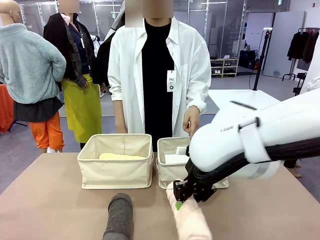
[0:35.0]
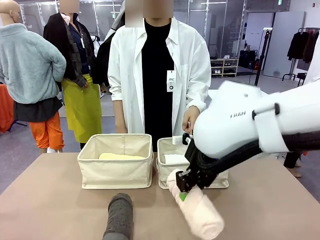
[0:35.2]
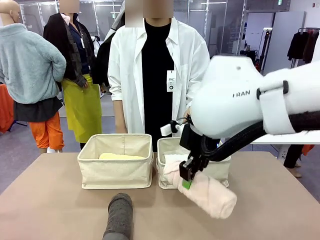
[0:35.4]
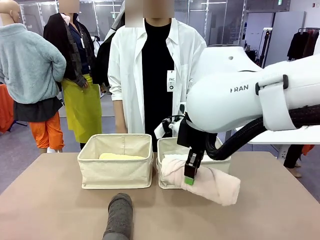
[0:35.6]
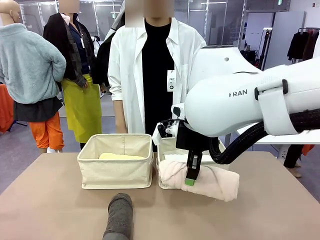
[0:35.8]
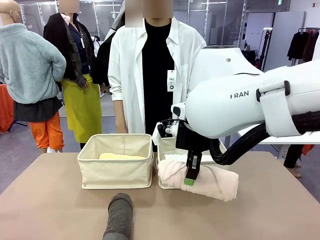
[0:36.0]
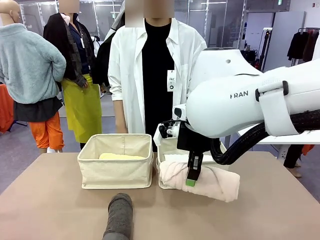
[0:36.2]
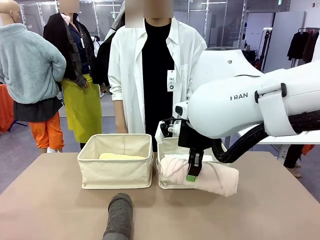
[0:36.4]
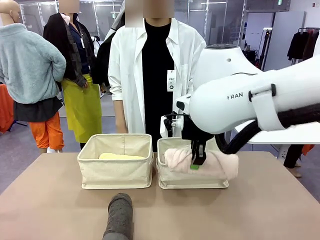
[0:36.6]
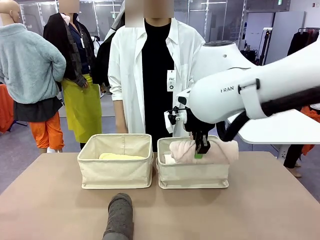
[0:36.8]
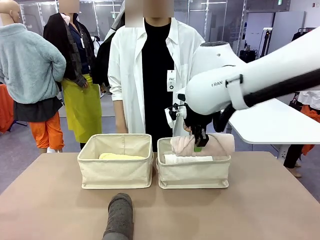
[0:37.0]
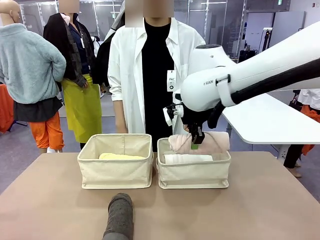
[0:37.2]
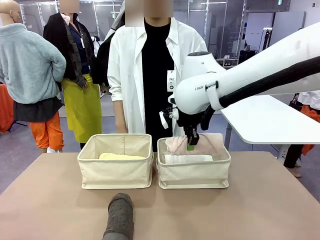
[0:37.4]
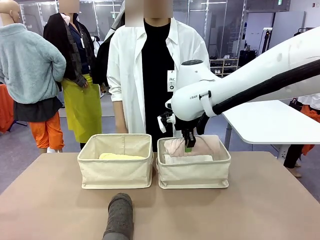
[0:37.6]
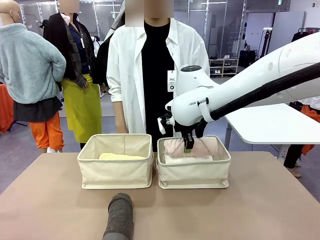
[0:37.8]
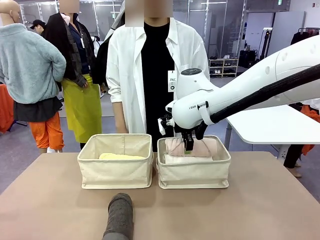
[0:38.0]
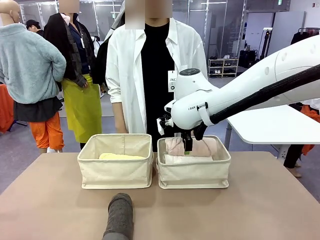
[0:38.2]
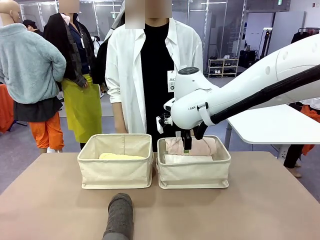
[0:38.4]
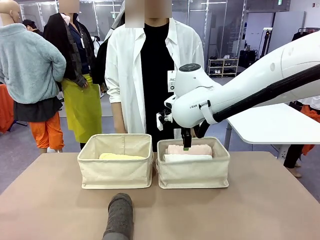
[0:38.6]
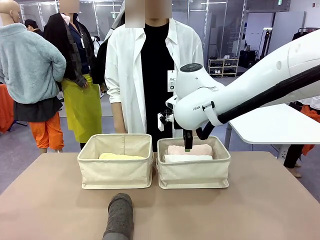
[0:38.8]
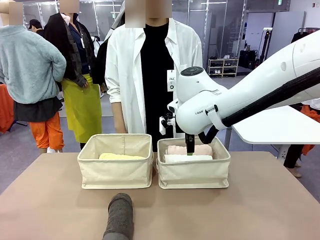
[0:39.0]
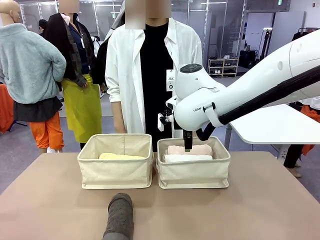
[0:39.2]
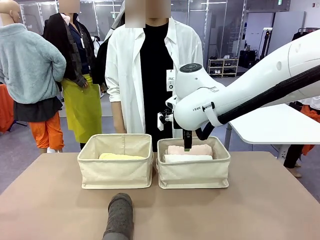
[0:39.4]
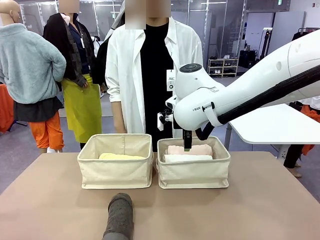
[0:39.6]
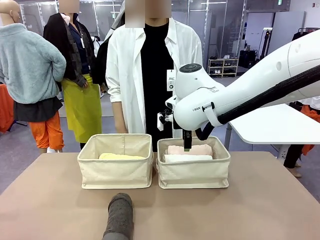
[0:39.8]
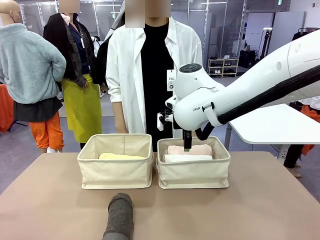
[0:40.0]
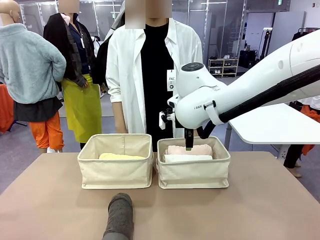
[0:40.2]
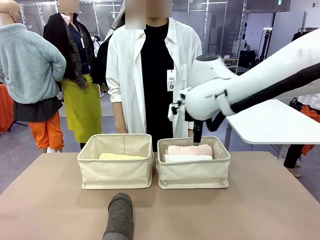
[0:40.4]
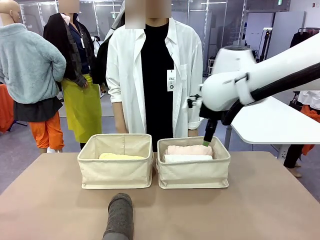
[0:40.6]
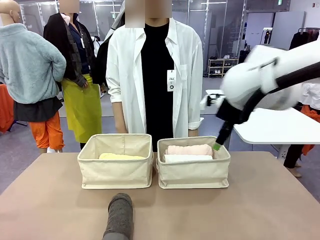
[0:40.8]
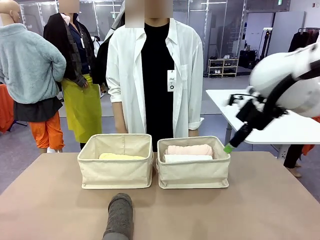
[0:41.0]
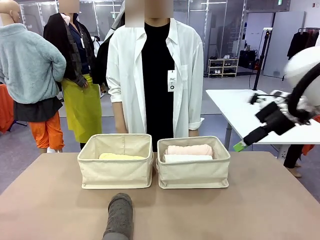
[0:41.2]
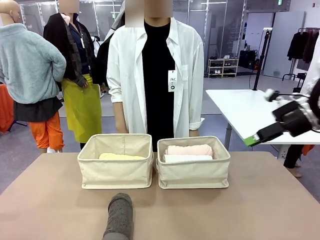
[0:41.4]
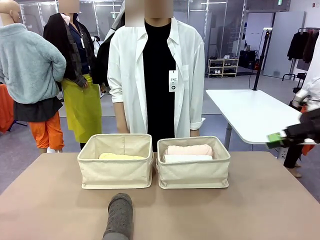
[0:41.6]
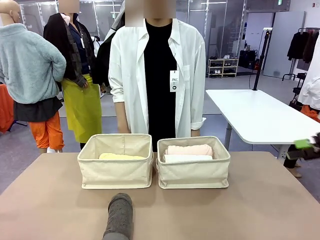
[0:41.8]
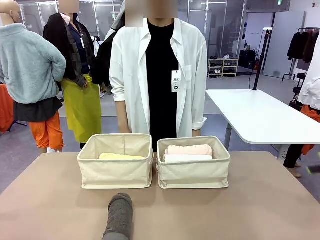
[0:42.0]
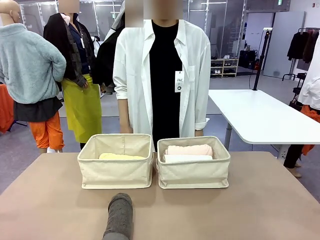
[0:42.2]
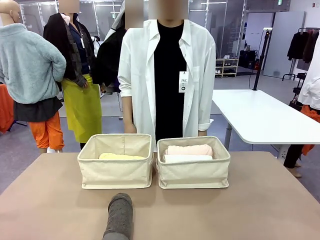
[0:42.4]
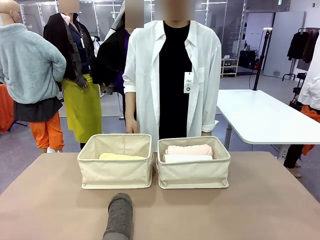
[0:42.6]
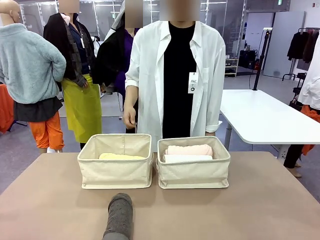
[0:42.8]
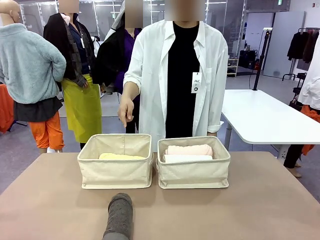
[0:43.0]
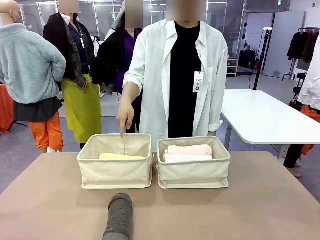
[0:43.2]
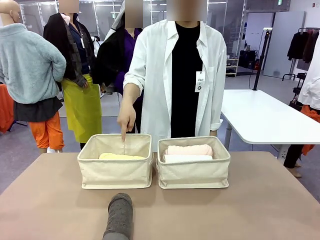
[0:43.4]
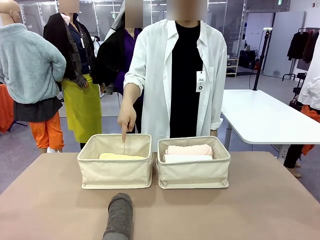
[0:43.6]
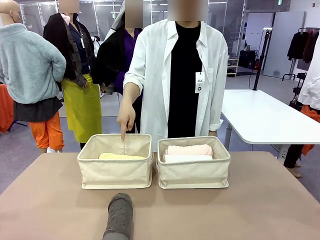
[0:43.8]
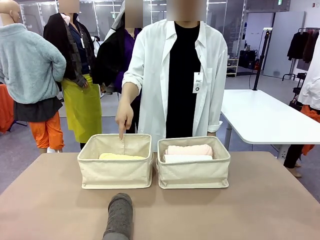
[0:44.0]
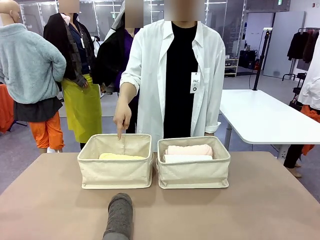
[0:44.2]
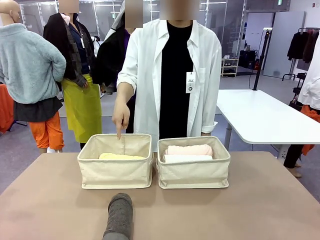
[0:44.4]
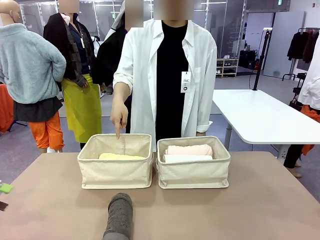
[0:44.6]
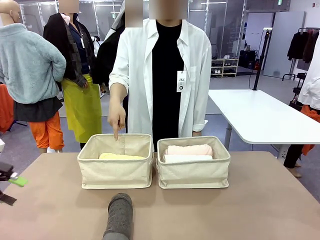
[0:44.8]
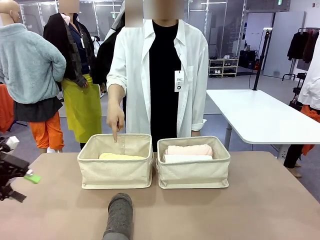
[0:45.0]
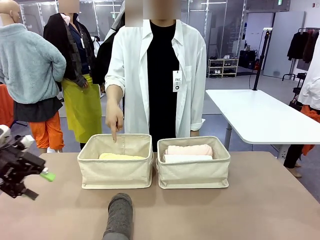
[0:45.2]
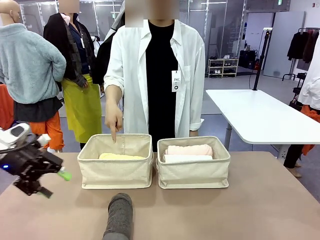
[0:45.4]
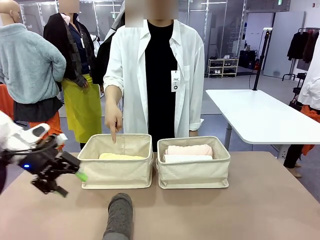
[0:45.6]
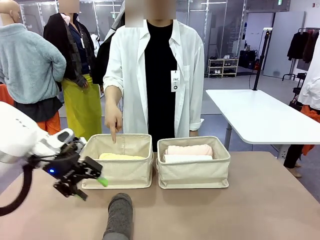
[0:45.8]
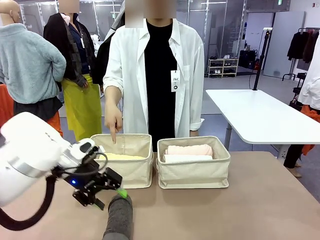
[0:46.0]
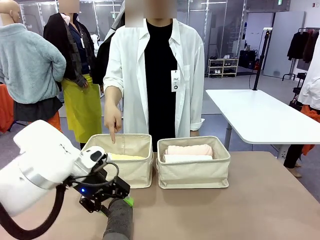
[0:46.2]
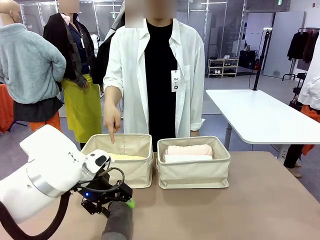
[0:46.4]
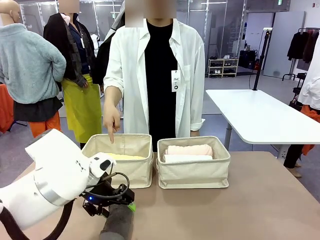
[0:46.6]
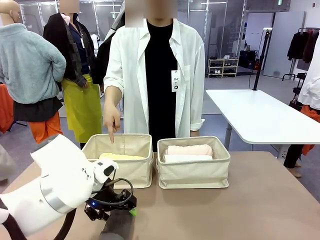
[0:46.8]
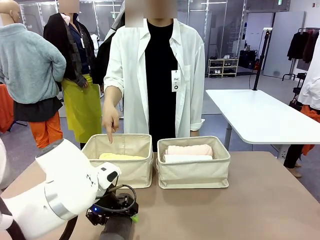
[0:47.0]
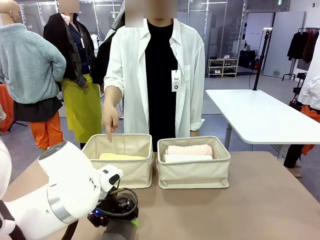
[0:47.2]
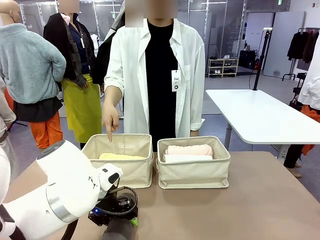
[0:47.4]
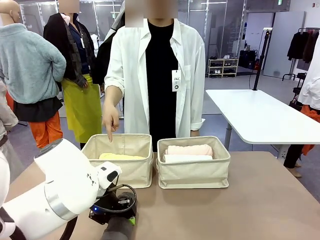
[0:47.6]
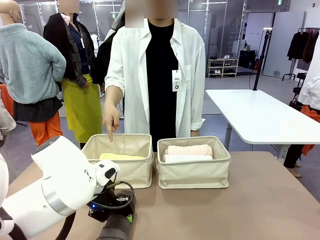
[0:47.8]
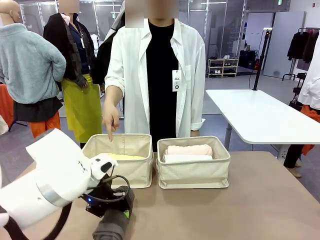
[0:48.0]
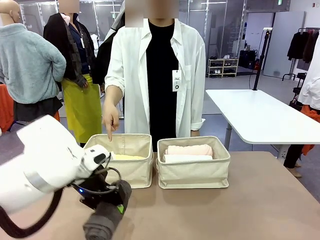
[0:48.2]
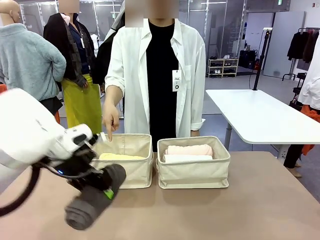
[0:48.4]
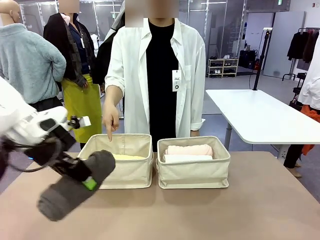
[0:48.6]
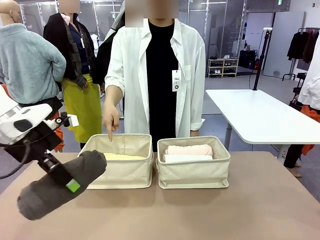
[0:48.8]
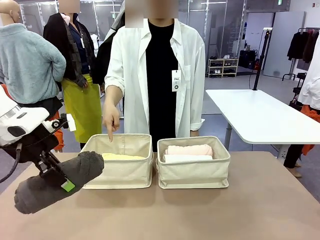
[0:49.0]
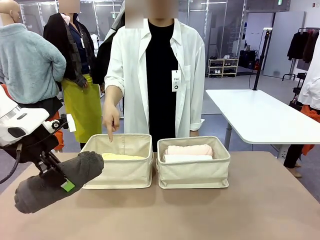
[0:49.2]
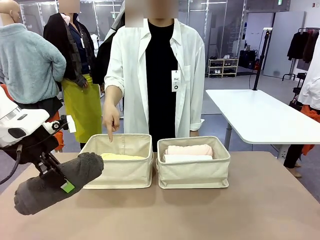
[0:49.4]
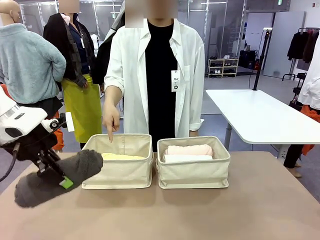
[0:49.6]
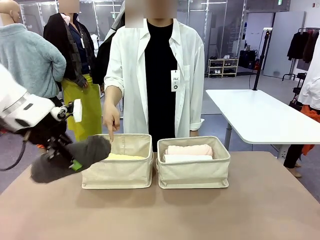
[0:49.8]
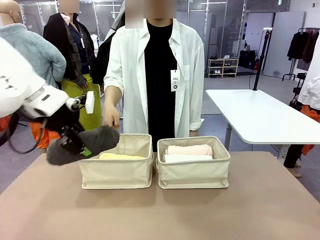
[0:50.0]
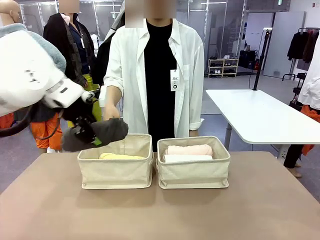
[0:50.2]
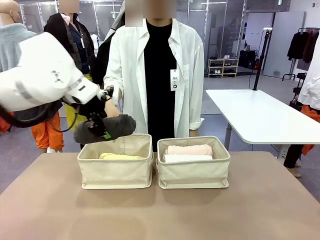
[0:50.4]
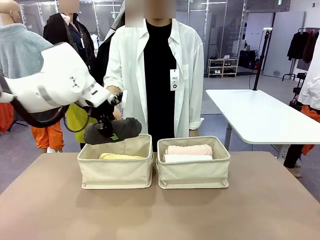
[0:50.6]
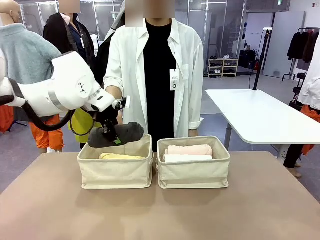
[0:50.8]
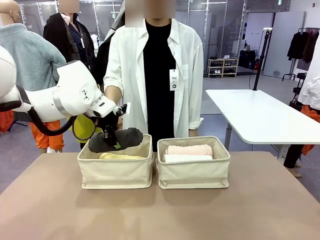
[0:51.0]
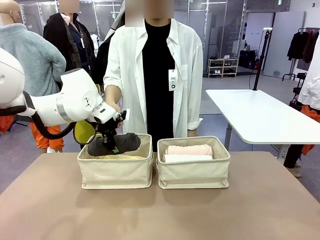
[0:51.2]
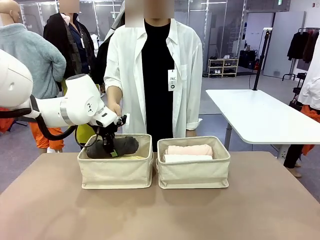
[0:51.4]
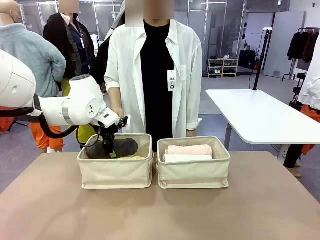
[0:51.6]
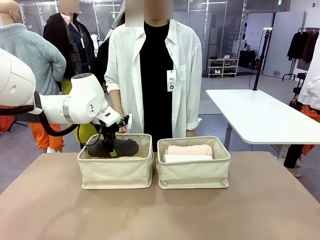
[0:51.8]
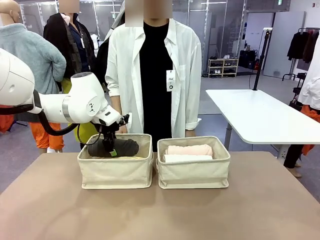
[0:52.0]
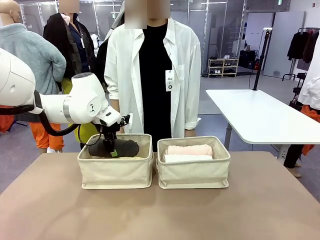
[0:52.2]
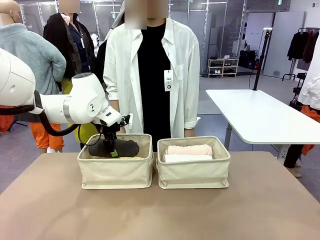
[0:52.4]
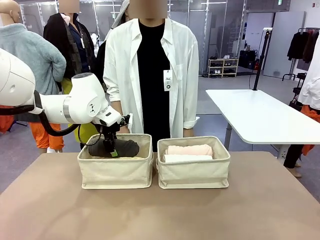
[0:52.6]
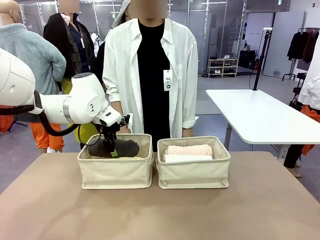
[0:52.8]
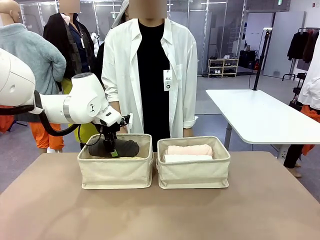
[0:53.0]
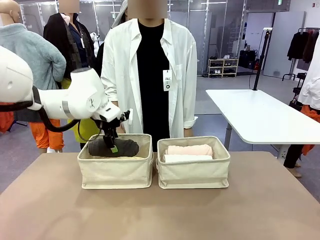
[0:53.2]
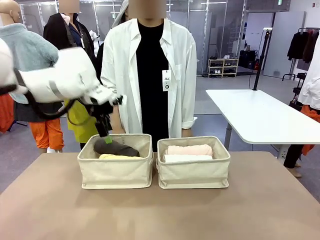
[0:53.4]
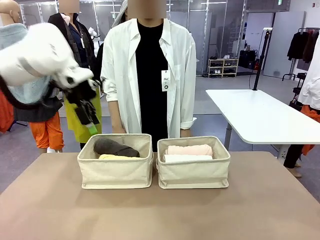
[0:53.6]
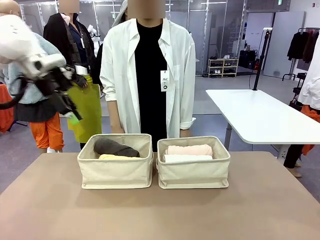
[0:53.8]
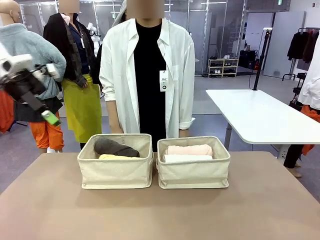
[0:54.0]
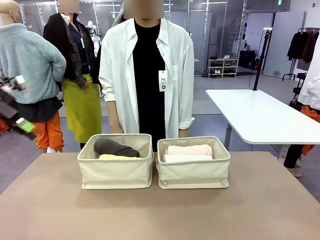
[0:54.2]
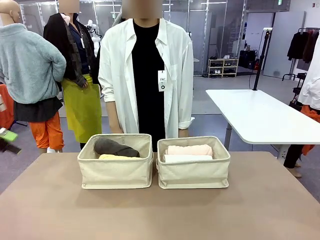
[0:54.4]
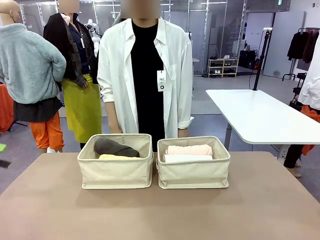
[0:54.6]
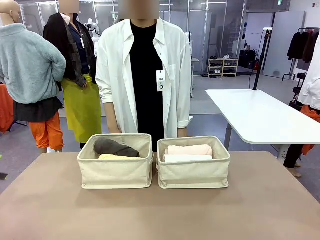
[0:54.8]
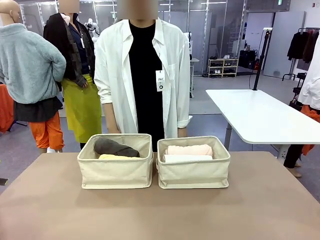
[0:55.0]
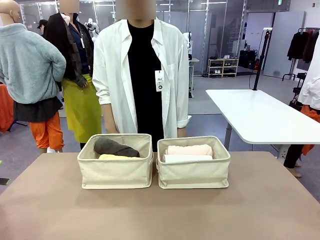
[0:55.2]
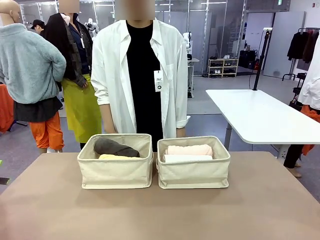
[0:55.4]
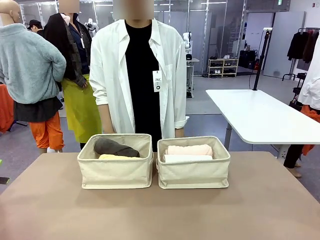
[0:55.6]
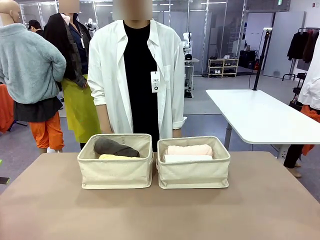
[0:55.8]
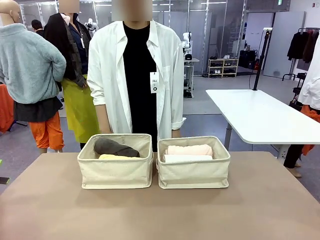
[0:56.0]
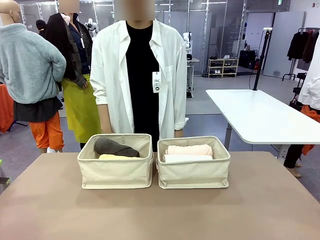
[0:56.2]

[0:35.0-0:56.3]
Task: Divide the towels into two baskets.
Robot: Pick up one hotel-folded towel from the bottom of the table and place it in the Fabric basket indicated by the person.
